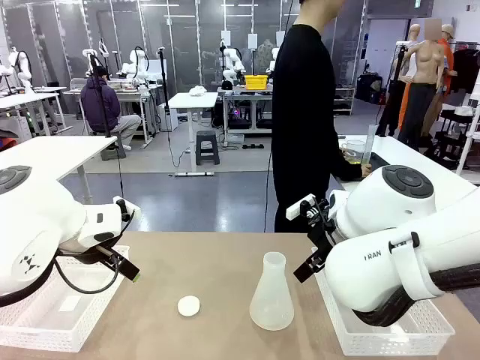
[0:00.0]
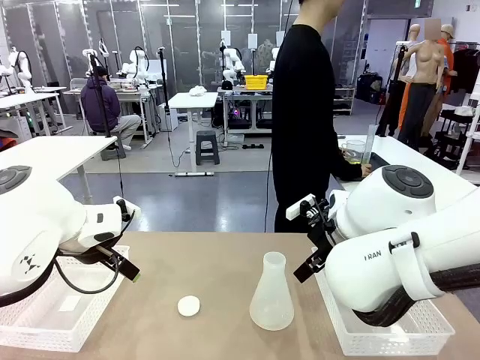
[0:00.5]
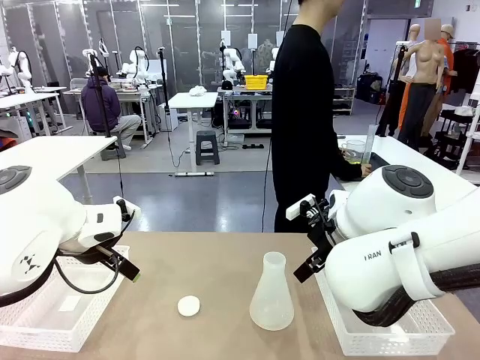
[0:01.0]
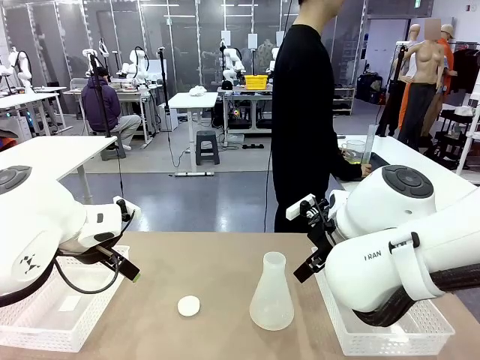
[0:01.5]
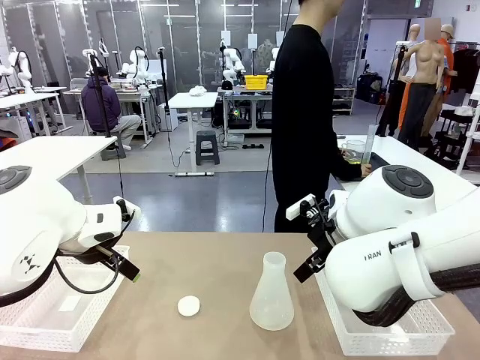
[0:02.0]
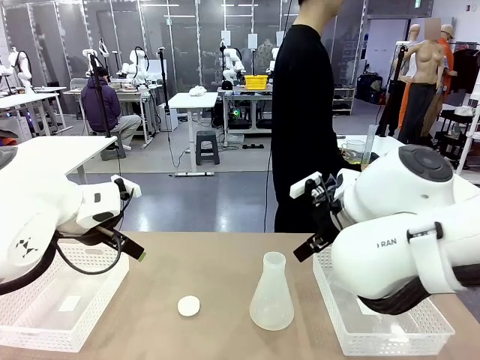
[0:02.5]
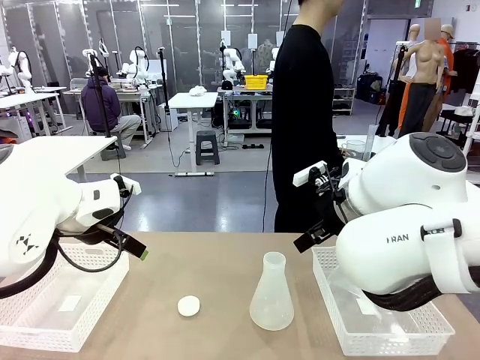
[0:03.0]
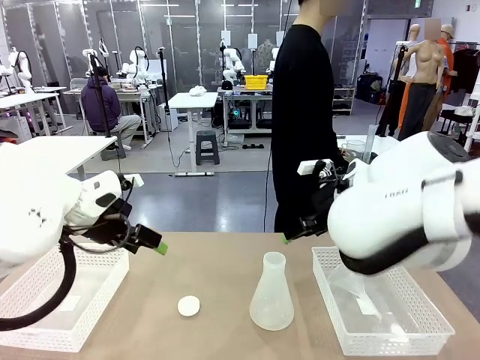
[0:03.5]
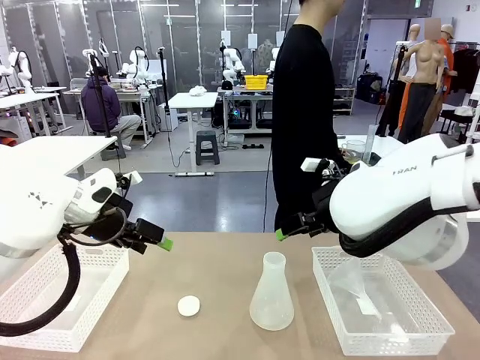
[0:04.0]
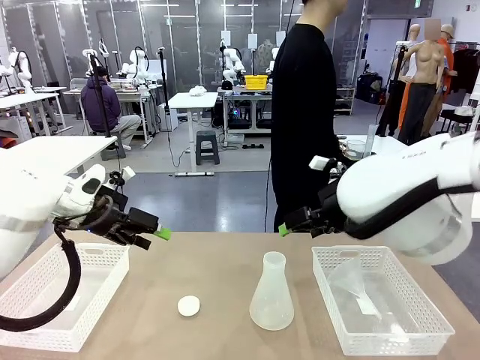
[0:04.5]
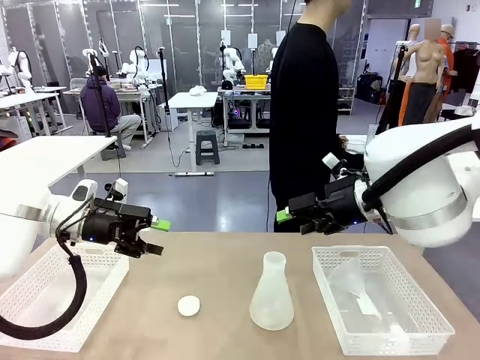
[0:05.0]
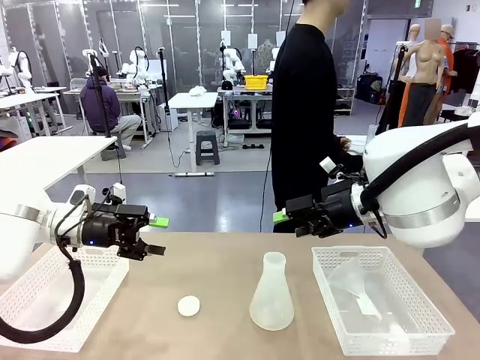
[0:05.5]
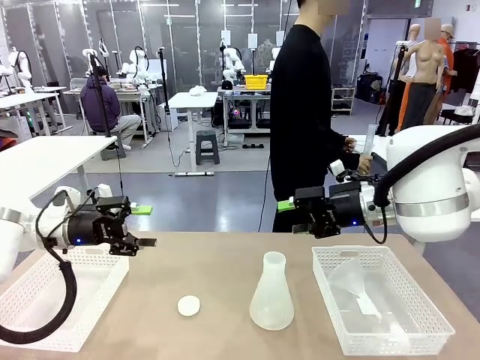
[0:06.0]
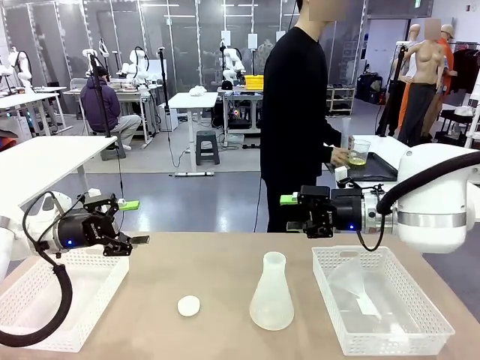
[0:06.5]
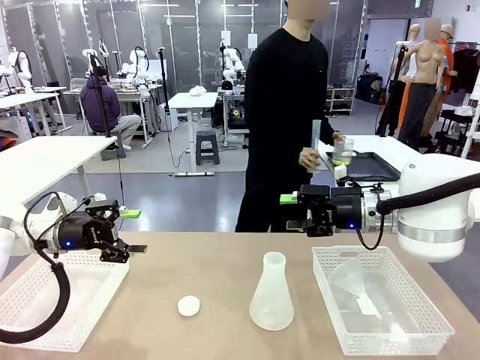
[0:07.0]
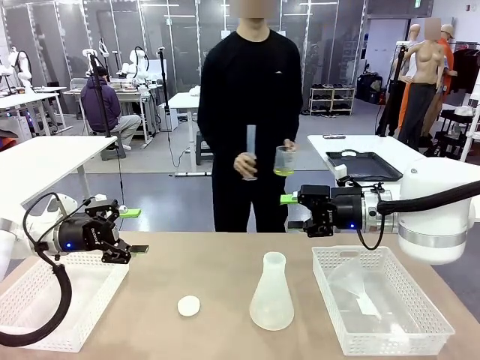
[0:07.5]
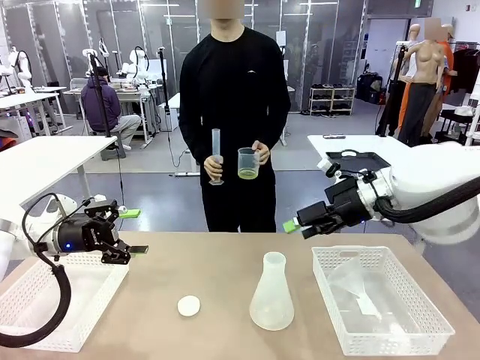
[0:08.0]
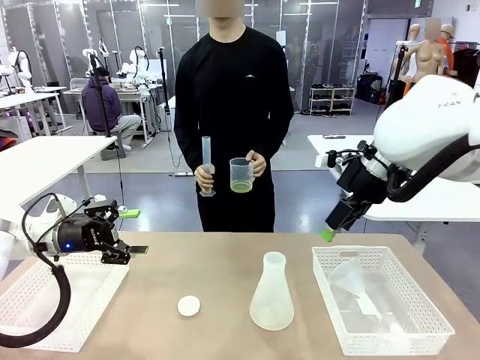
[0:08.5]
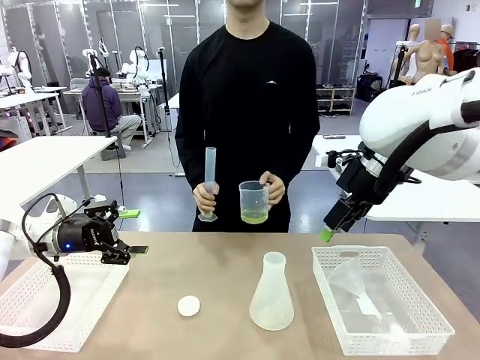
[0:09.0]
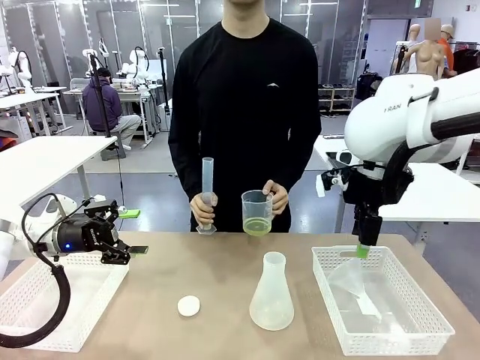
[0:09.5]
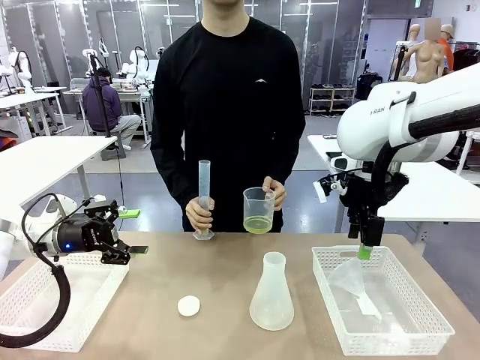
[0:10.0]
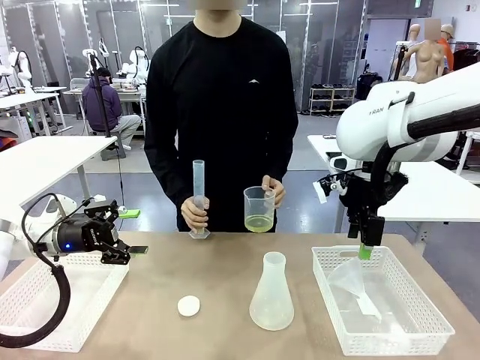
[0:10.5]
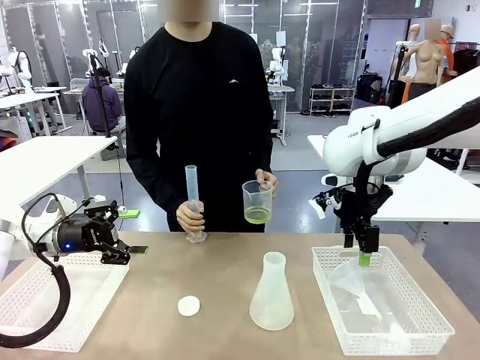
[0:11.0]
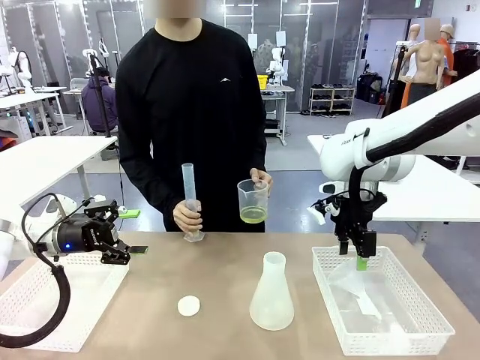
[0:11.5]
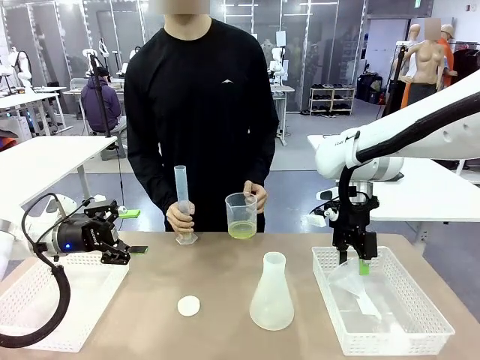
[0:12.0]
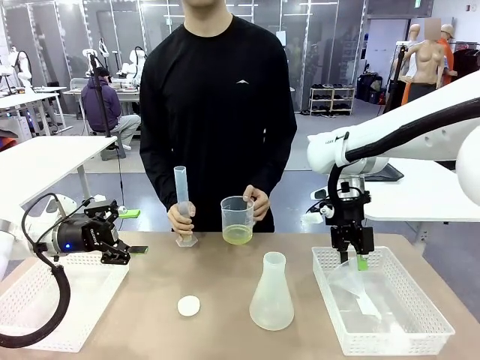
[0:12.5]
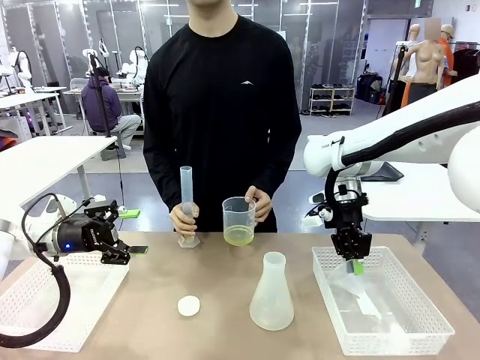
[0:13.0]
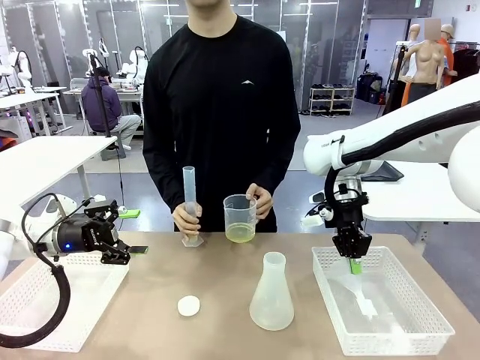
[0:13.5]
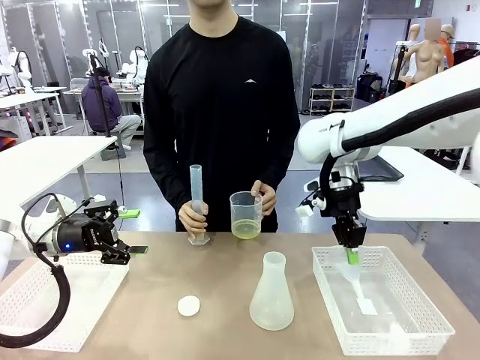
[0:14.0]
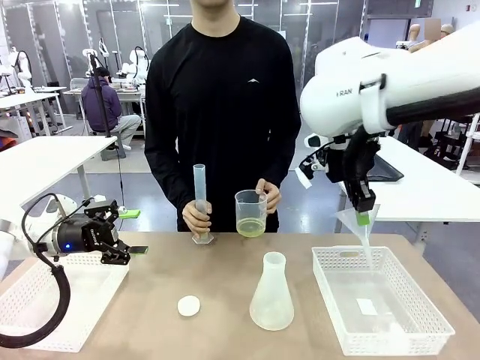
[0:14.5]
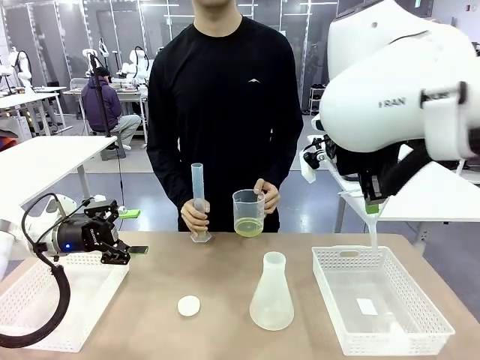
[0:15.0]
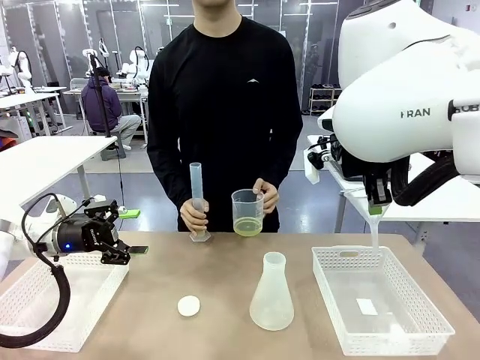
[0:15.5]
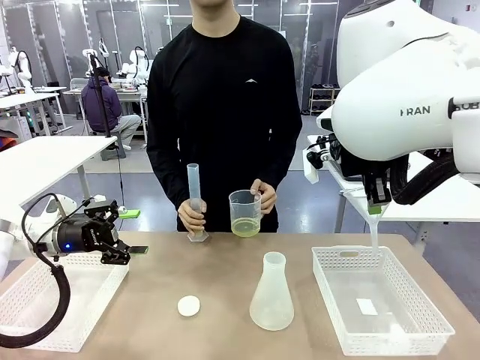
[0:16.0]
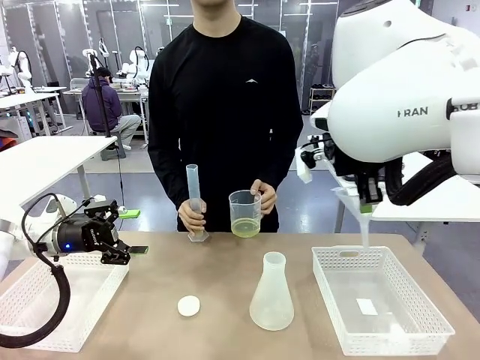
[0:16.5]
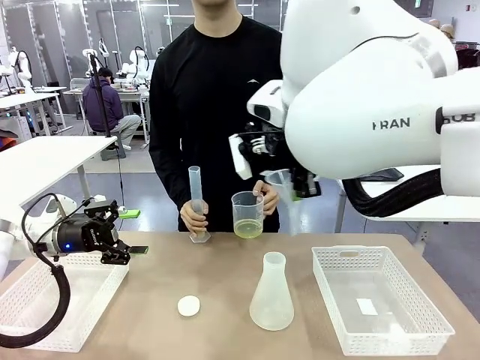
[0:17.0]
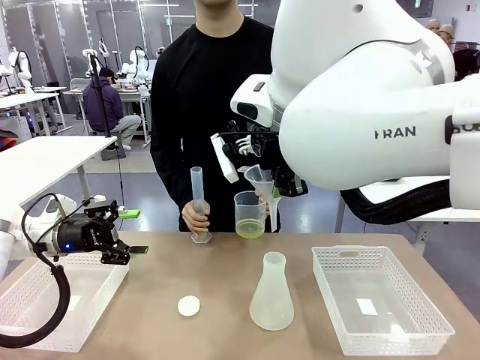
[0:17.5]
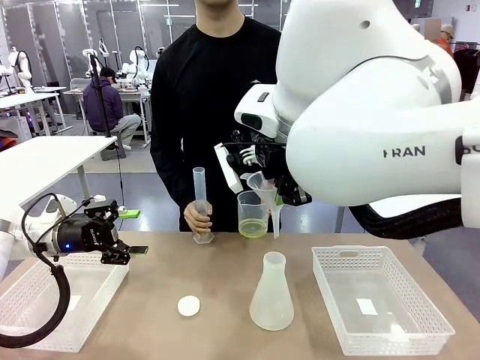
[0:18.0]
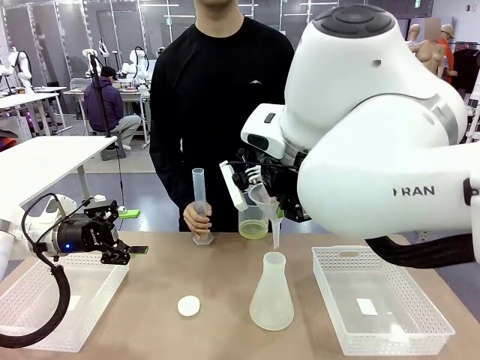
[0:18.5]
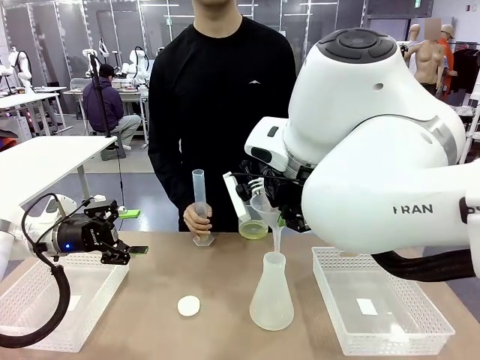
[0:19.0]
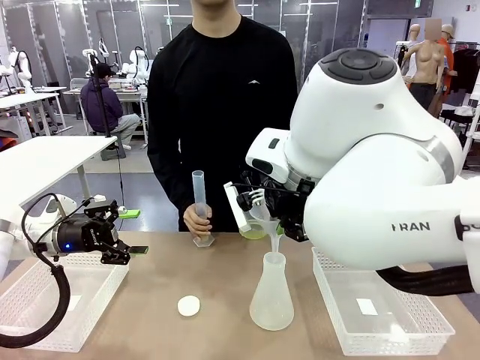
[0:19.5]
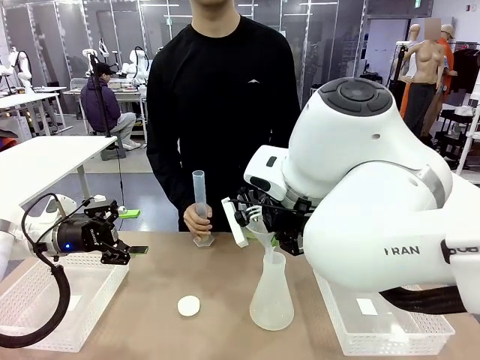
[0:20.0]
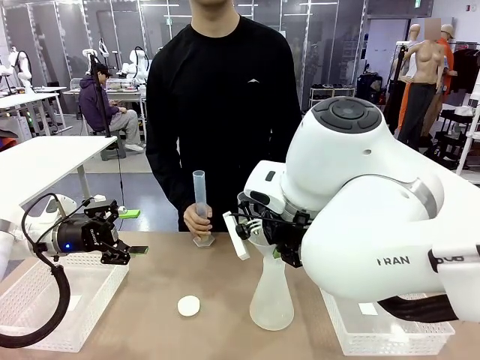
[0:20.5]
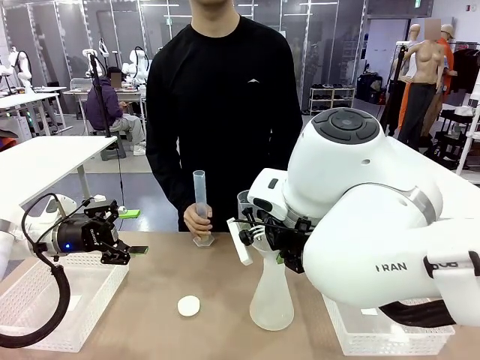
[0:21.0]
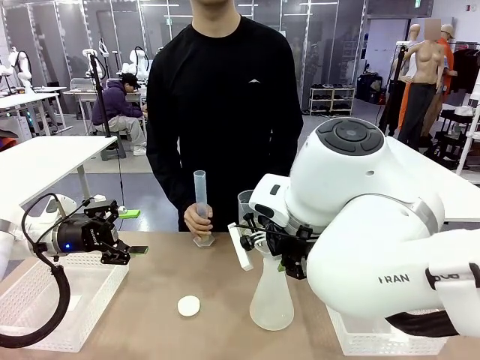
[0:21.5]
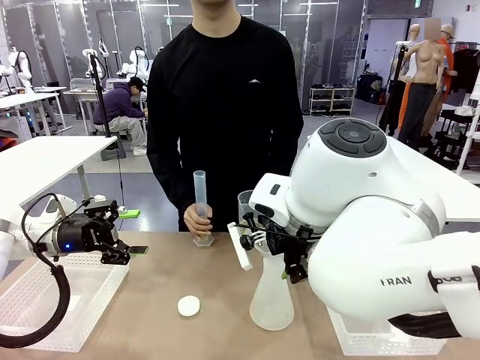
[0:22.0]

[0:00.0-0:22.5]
Task: Prepare the solutions needed for the experiment.
Robot: Pick up the Plastic Funnel and insert it into the Big flask.
Person: Pick up the beaker and the cylinder and move to the middle of the robot table. Pour the solution from the beaker and the cylinder into the flask.
